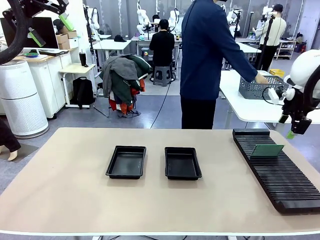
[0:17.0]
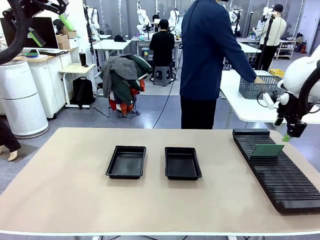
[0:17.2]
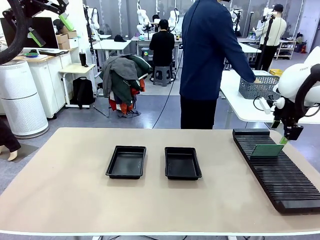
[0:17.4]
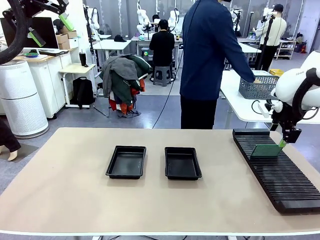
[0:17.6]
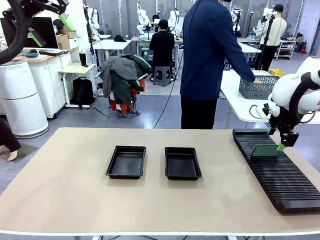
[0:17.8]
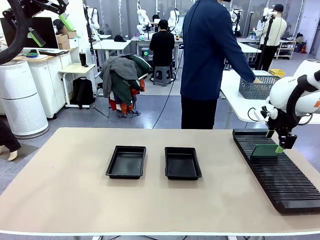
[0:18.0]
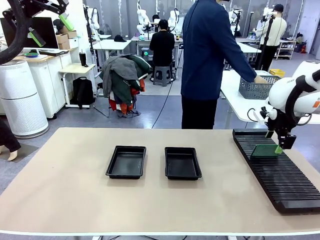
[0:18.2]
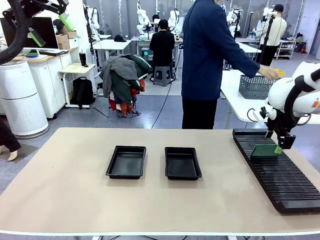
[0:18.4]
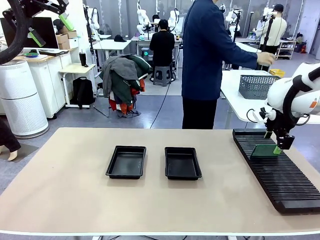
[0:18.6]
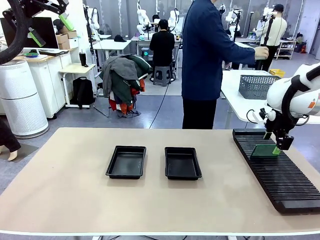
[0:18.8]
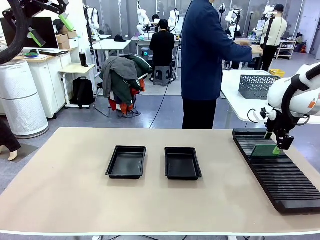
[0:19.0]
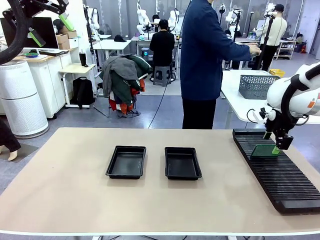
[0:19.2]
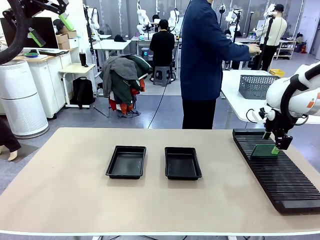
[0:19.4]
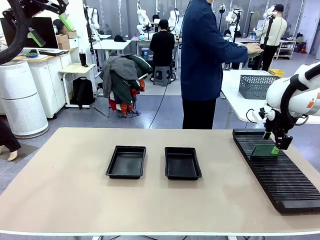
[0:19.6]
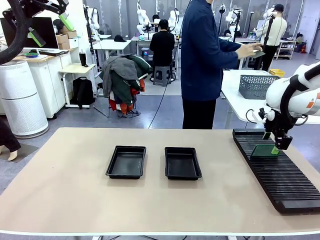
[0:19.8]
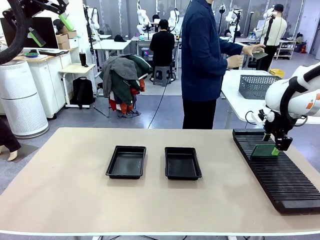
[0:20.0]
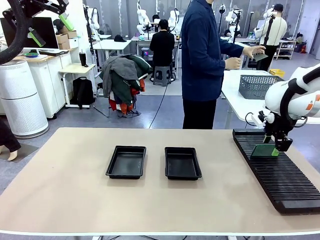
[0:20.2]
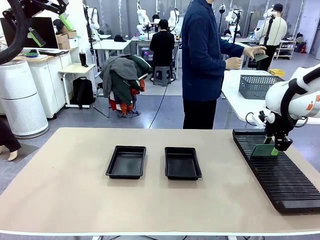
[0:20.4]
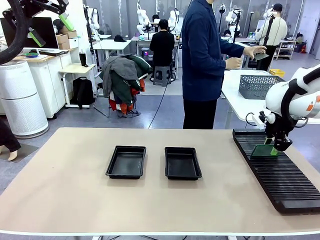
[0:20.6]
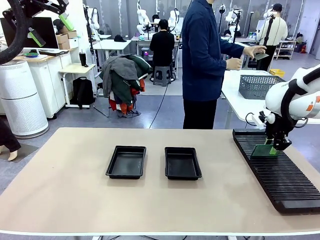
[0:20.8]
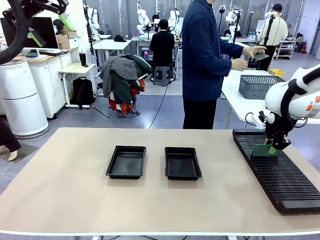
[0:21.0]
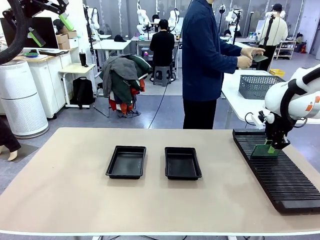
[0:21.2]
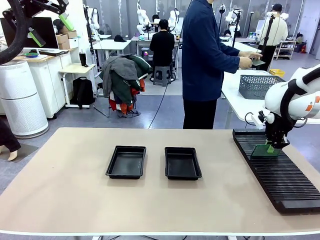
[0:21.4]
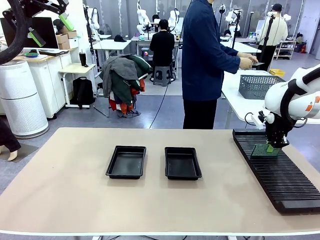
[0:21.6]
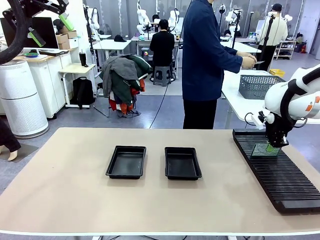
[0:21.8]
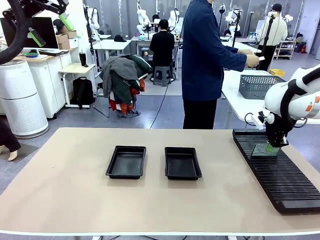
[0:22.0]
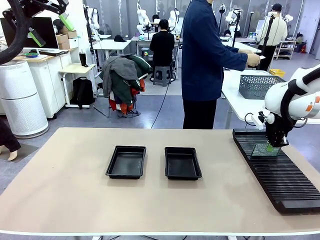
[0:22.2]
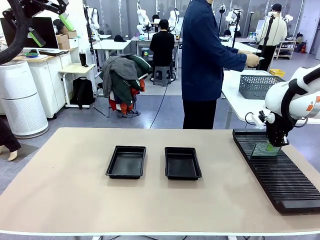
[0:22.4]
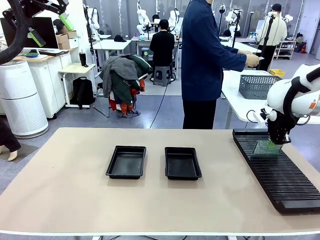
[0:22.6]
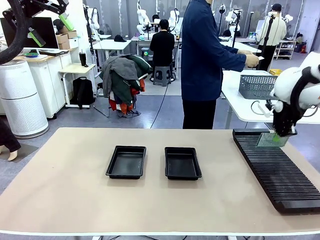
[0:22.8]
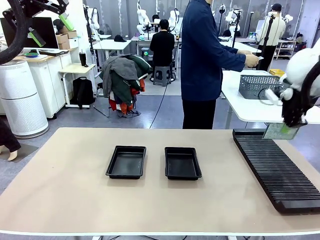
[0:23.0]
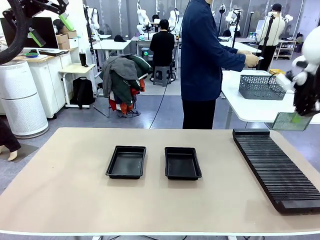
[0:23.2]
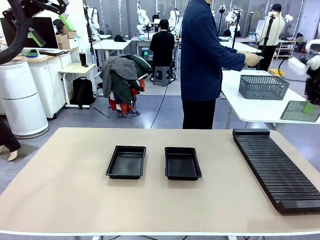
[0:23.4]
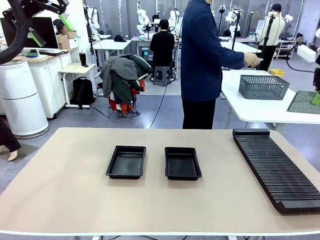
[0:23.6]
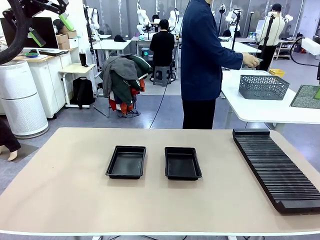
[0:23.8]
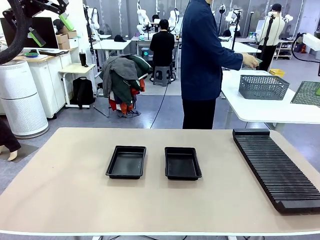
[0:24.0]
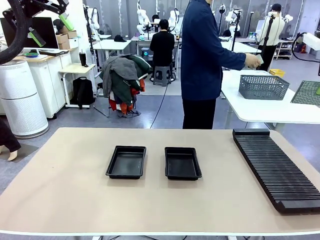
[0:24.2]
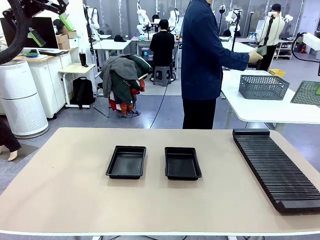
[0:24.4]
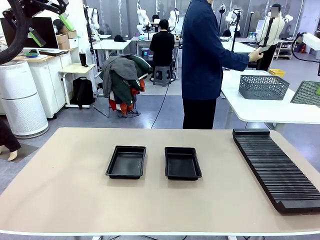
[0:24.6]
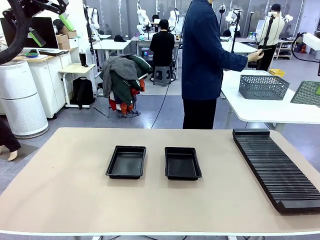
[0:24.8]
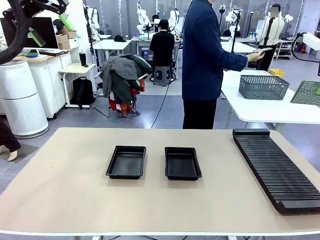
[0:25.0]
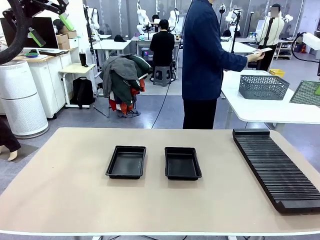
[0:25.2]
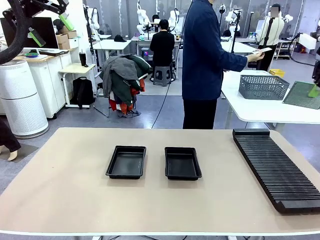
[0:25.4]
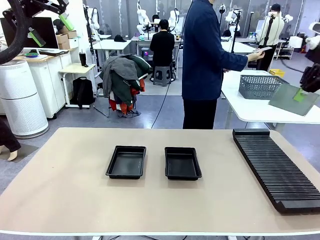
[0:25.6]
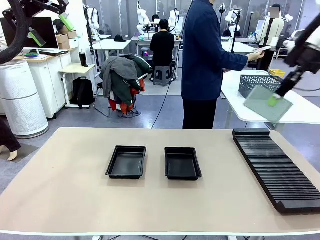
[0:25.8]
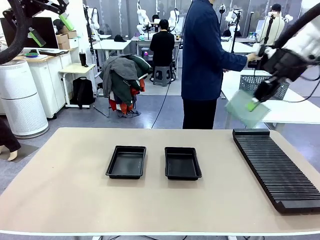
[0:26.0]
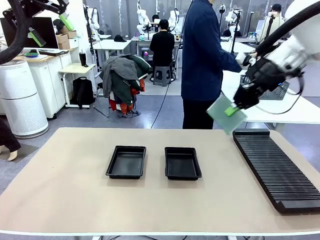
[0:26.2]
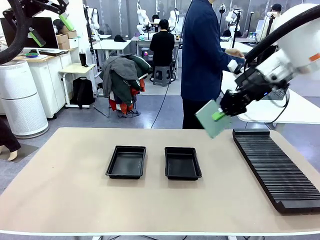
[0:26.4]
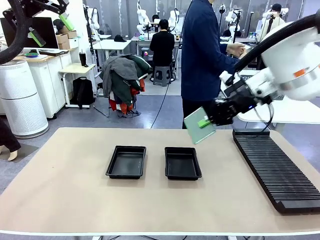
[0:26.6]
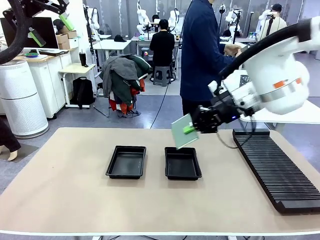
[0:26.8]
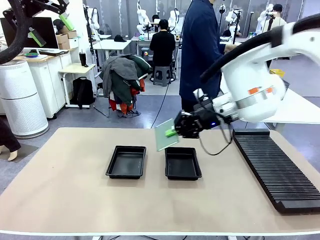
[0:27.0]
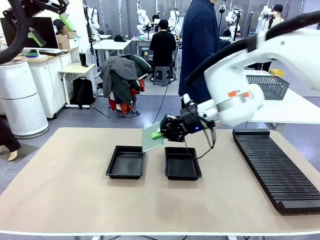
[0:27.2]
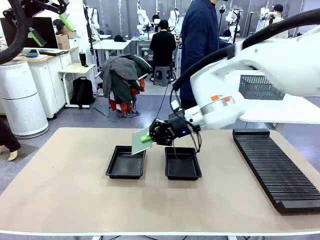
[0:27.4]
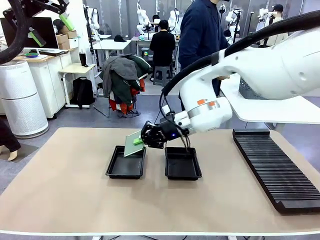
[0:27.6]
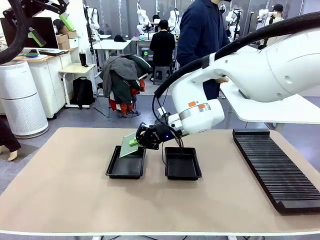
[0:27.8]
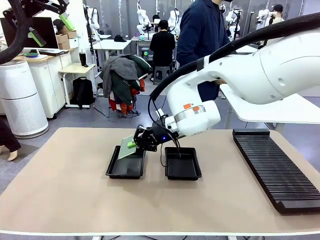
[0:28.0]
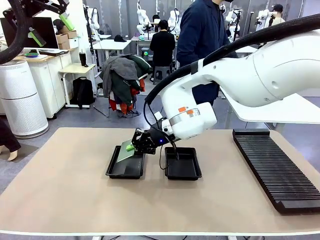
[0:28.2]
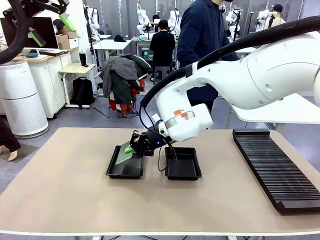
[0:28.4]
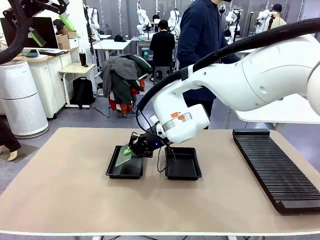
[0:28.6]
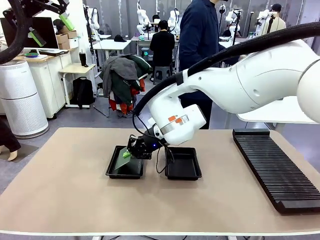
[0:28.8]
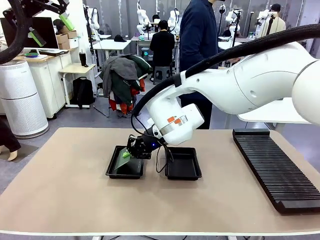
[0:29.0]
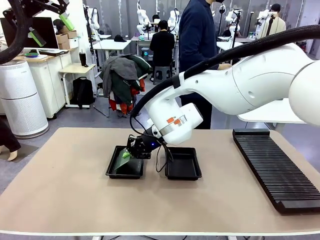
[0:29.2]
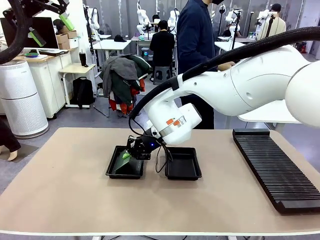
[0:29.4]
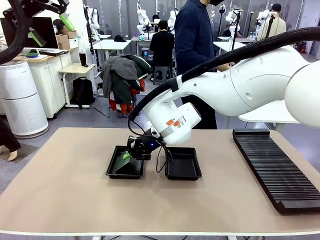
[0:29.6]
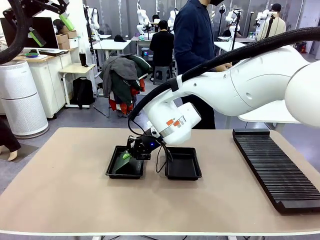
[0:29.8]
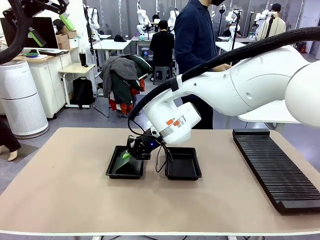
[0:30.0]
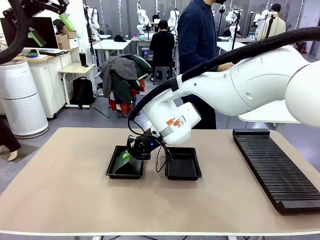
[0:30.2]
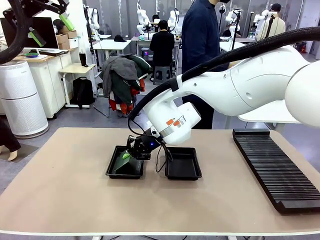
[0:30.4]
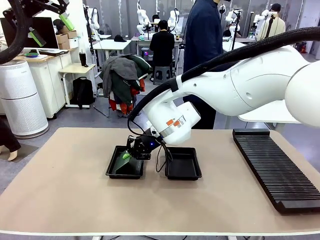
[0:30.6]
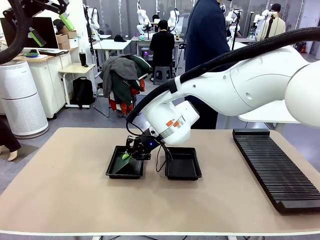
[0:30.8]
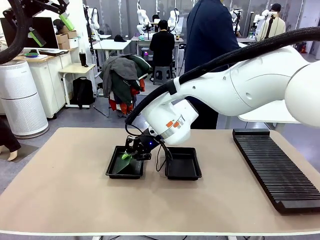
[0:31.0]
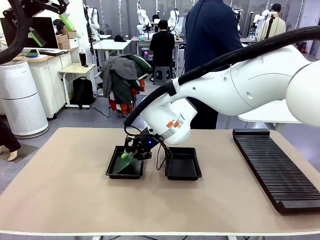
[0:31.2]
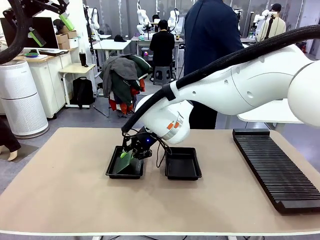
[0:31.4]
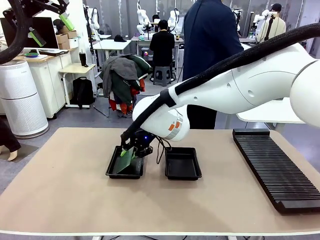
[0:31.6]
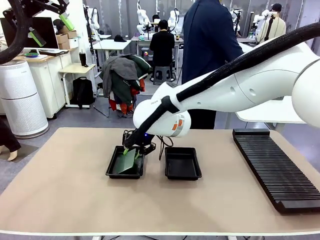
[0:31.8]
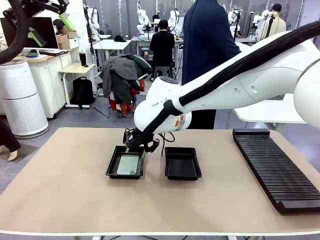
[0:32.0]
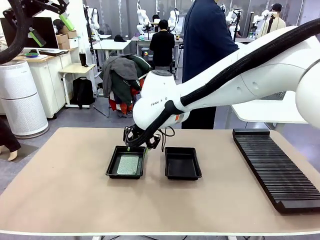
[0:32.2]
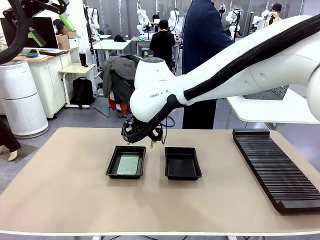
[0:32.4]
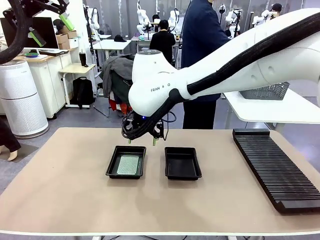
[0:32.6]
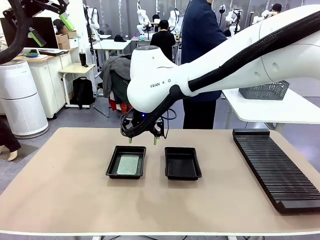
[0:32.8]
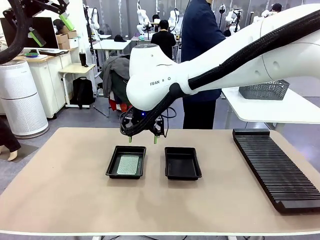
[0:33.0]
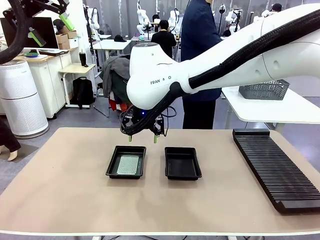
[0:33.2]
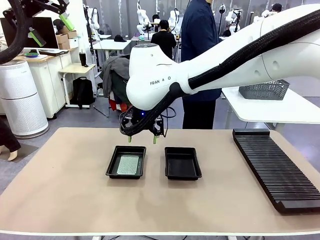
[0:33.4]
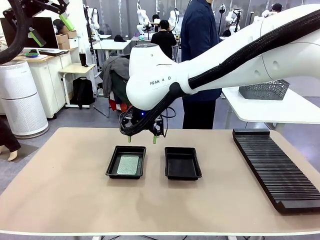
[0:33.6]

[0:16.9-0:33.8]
Task: Inspect and transfer BCBs to ESD trays.
Robot: Pick up the Blank PCB from the PCB Rack and place it in the left ESD tray.
